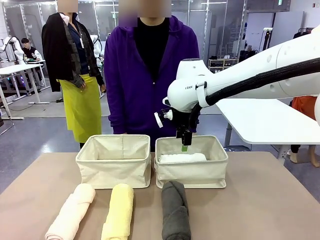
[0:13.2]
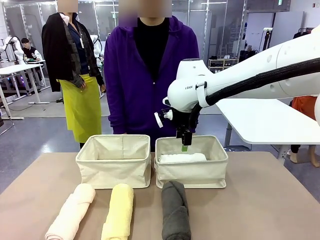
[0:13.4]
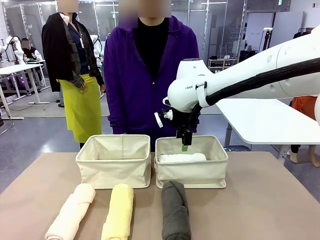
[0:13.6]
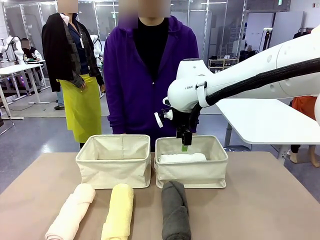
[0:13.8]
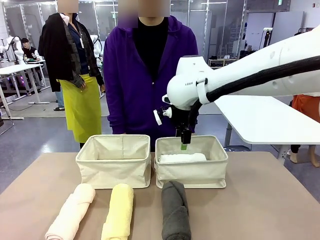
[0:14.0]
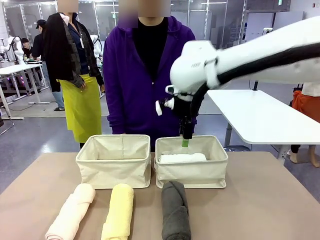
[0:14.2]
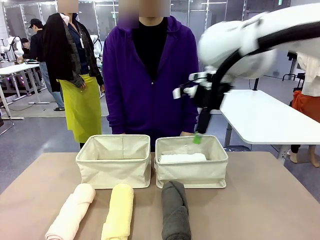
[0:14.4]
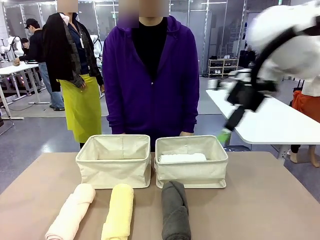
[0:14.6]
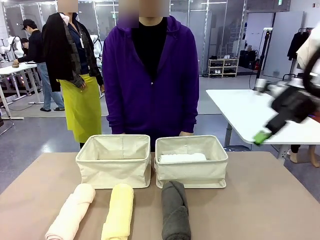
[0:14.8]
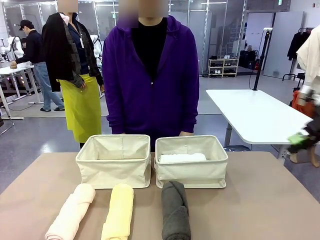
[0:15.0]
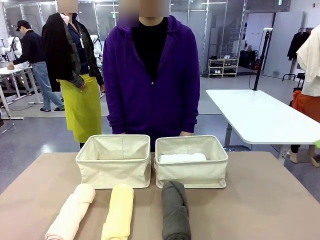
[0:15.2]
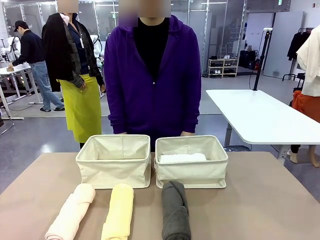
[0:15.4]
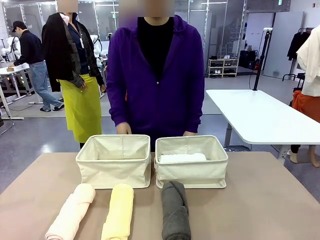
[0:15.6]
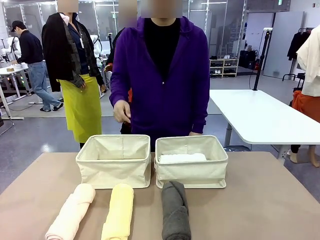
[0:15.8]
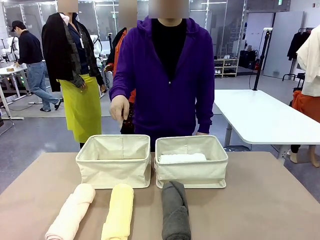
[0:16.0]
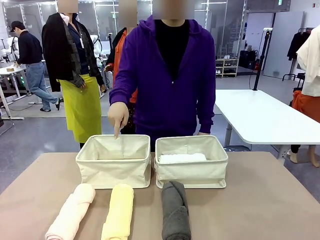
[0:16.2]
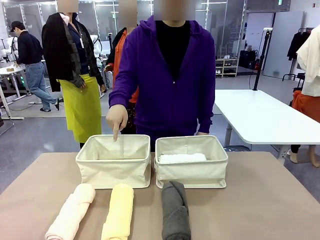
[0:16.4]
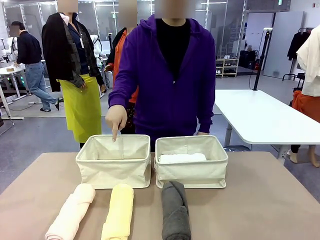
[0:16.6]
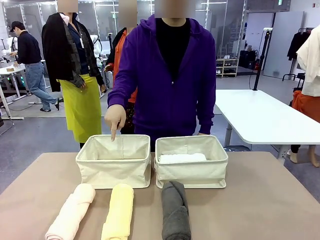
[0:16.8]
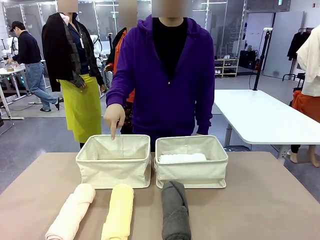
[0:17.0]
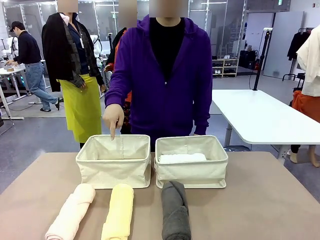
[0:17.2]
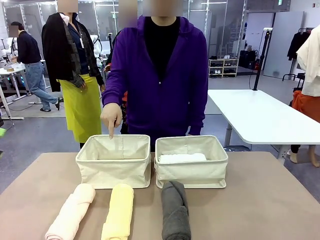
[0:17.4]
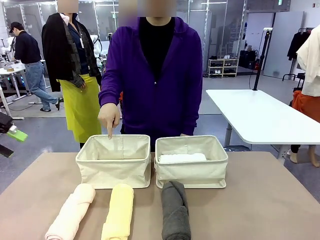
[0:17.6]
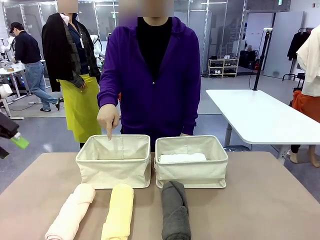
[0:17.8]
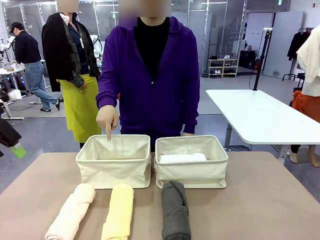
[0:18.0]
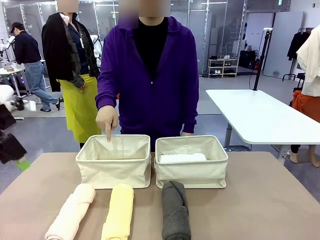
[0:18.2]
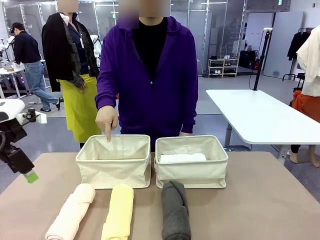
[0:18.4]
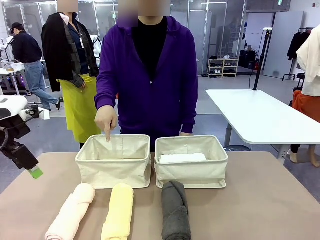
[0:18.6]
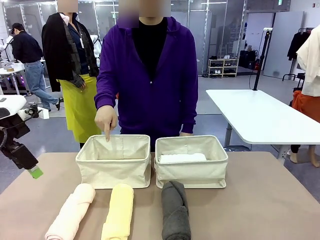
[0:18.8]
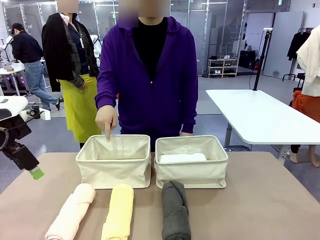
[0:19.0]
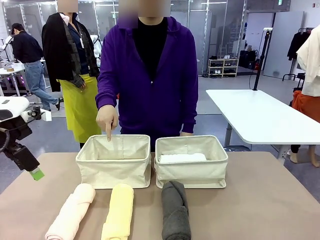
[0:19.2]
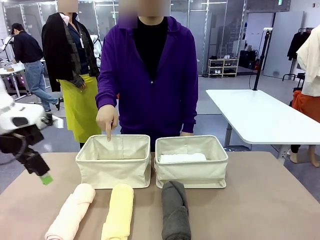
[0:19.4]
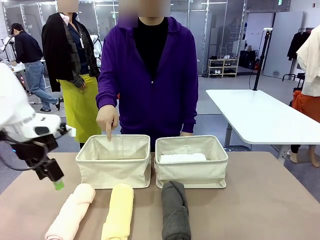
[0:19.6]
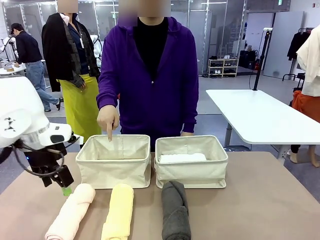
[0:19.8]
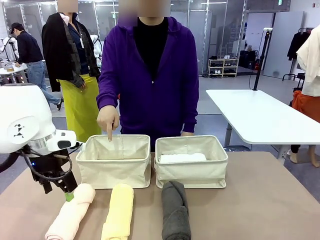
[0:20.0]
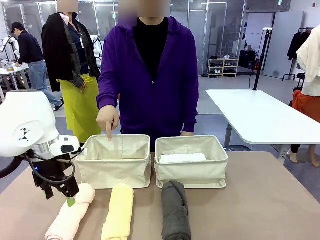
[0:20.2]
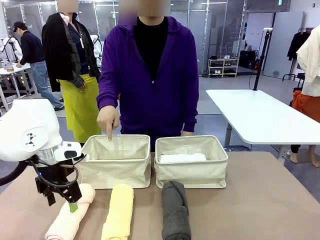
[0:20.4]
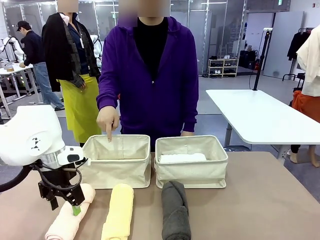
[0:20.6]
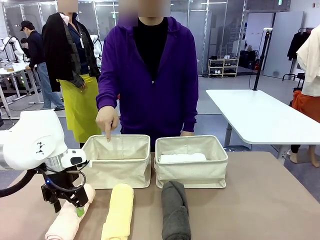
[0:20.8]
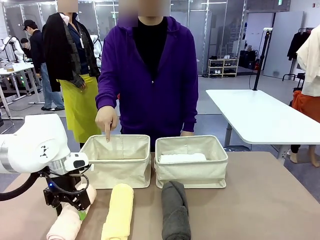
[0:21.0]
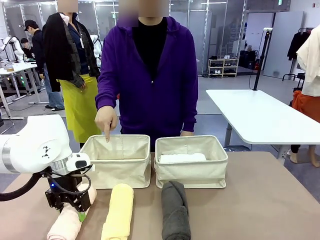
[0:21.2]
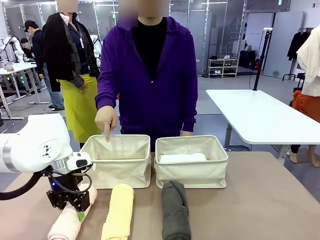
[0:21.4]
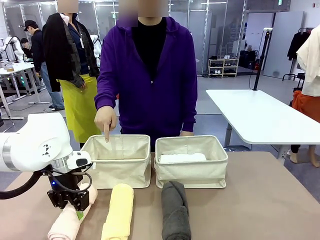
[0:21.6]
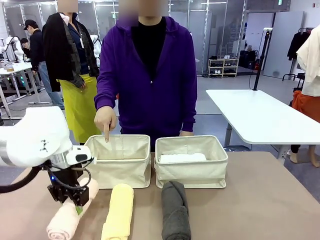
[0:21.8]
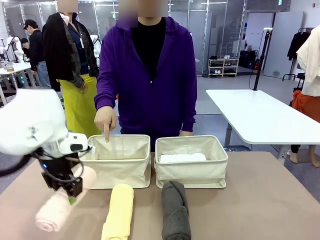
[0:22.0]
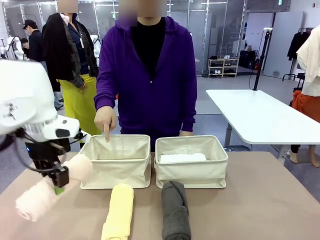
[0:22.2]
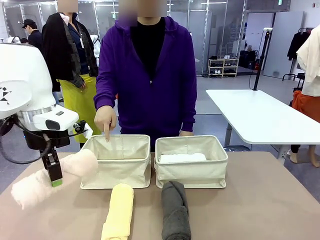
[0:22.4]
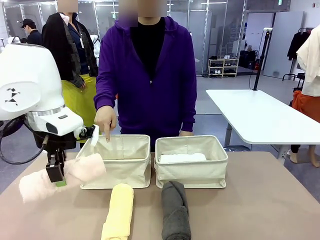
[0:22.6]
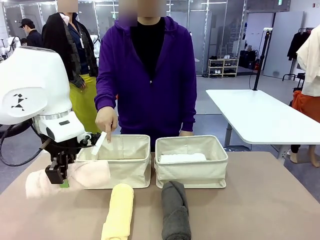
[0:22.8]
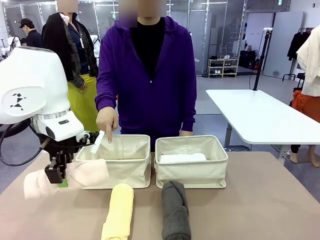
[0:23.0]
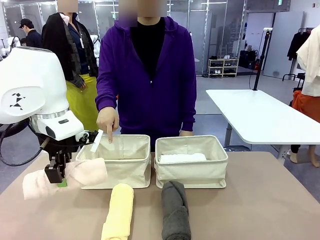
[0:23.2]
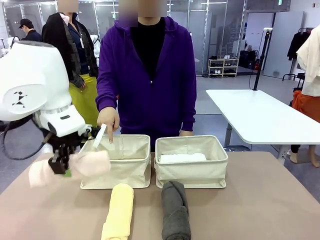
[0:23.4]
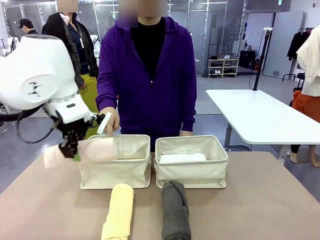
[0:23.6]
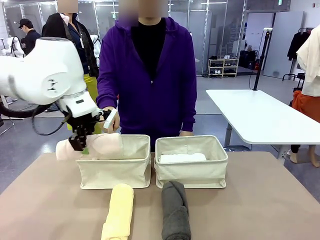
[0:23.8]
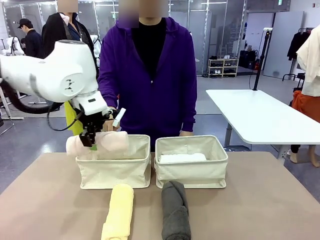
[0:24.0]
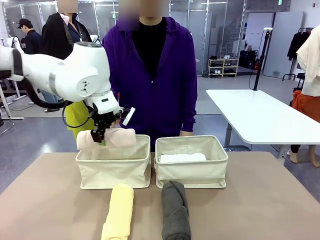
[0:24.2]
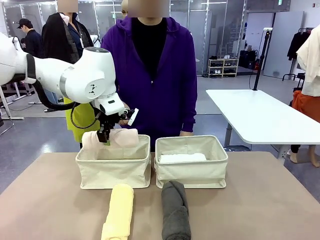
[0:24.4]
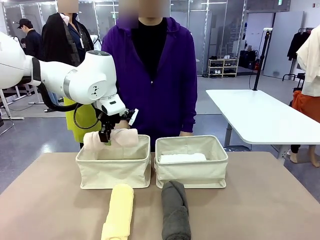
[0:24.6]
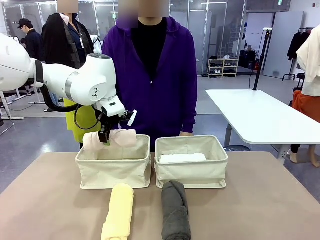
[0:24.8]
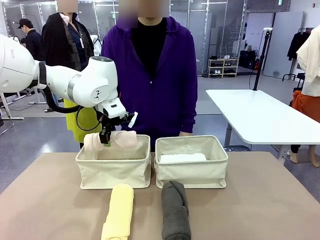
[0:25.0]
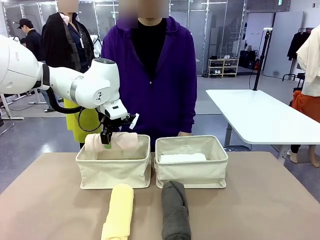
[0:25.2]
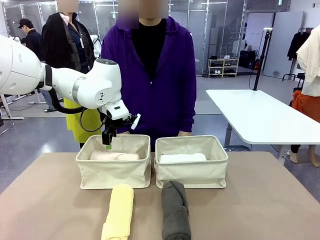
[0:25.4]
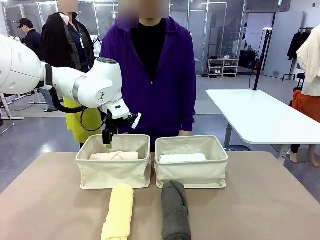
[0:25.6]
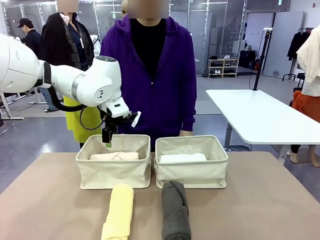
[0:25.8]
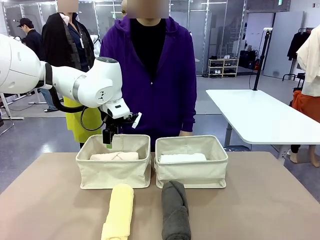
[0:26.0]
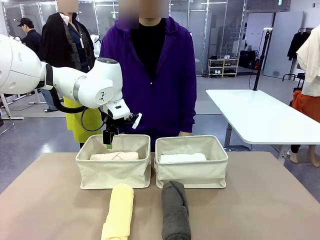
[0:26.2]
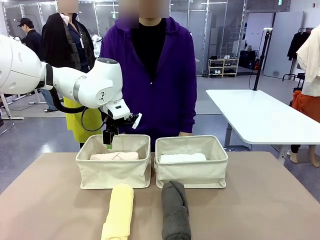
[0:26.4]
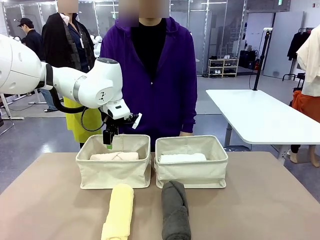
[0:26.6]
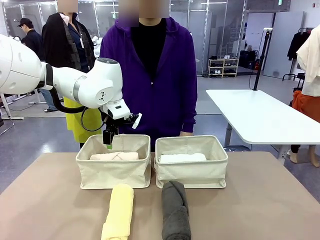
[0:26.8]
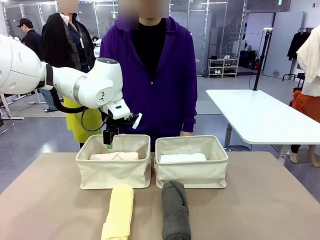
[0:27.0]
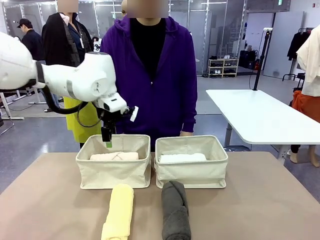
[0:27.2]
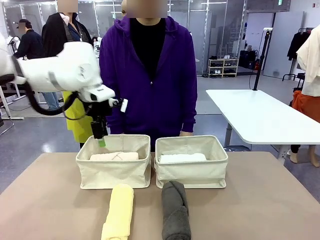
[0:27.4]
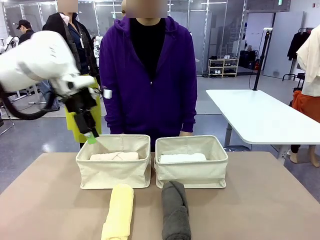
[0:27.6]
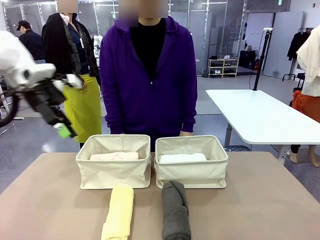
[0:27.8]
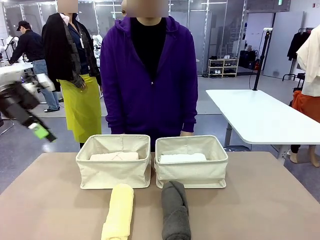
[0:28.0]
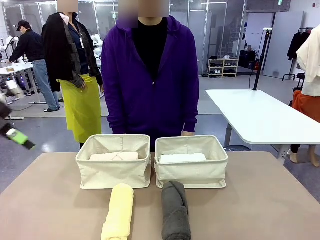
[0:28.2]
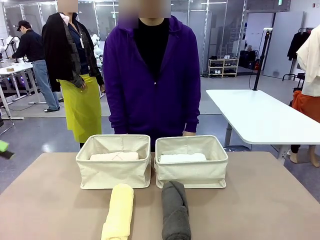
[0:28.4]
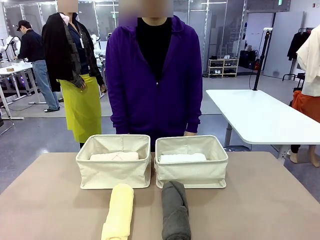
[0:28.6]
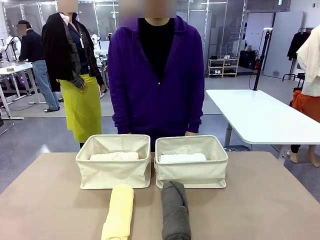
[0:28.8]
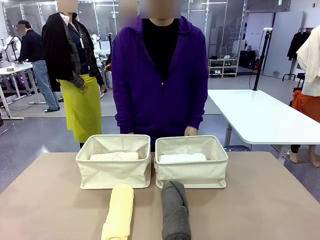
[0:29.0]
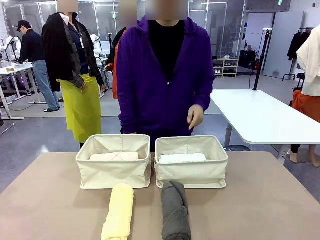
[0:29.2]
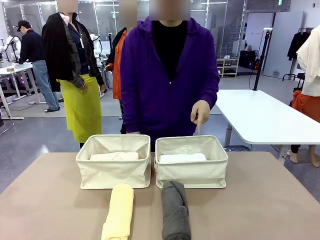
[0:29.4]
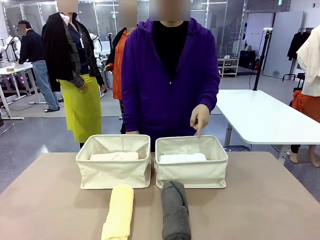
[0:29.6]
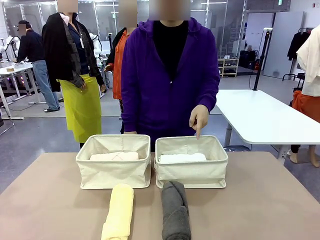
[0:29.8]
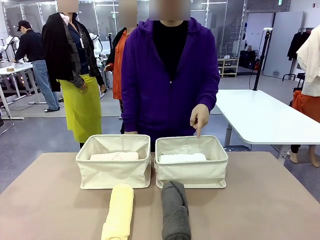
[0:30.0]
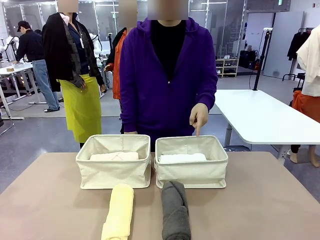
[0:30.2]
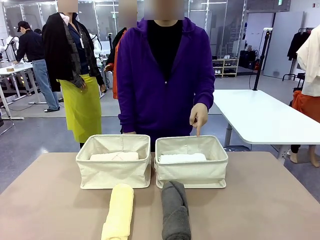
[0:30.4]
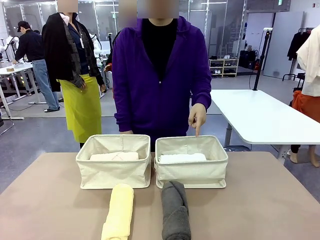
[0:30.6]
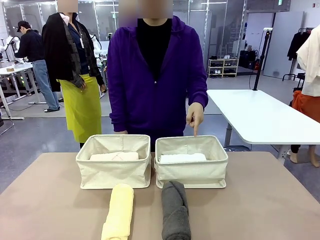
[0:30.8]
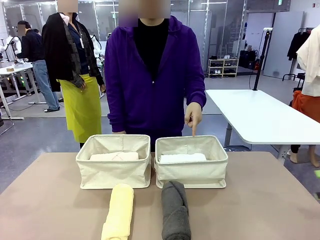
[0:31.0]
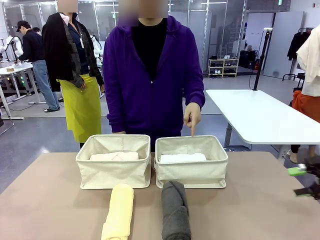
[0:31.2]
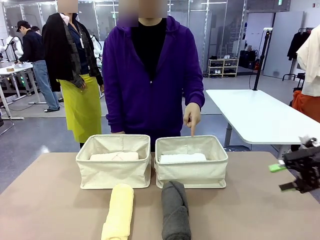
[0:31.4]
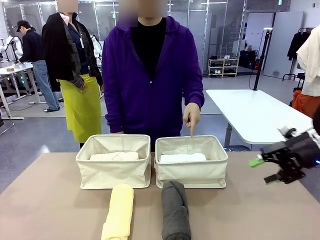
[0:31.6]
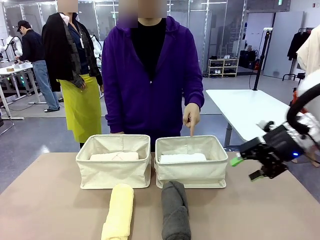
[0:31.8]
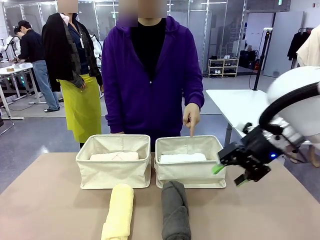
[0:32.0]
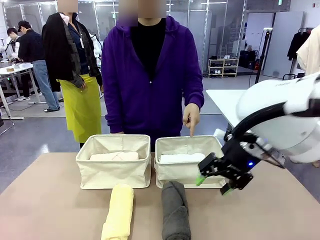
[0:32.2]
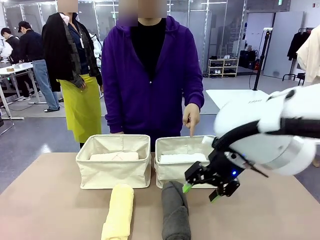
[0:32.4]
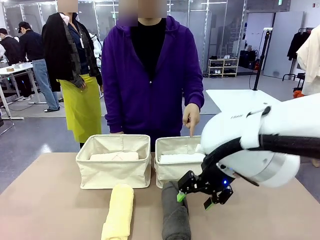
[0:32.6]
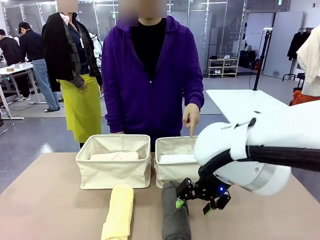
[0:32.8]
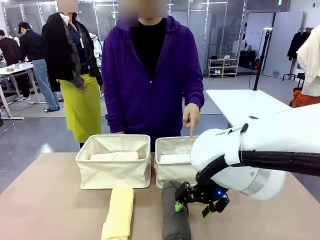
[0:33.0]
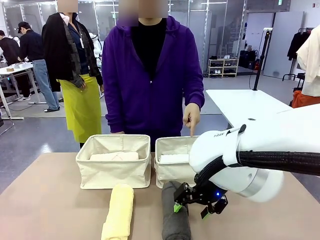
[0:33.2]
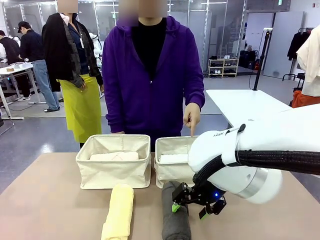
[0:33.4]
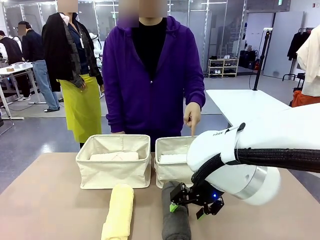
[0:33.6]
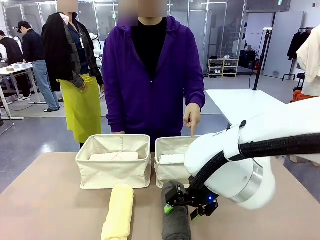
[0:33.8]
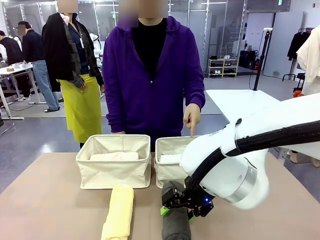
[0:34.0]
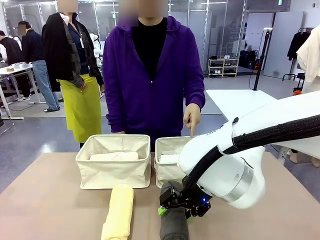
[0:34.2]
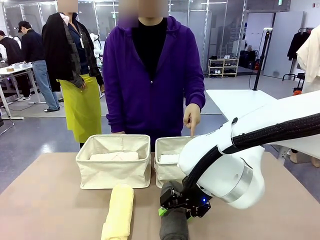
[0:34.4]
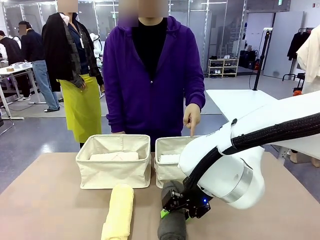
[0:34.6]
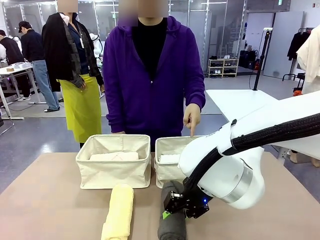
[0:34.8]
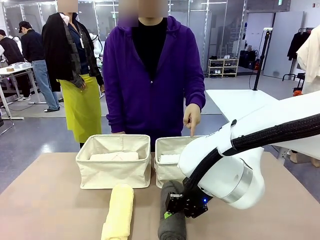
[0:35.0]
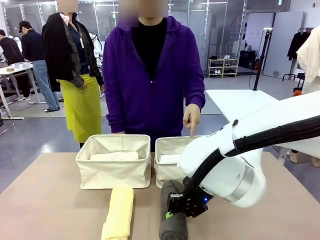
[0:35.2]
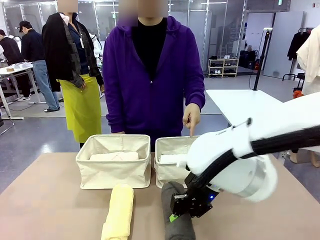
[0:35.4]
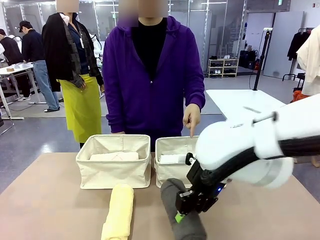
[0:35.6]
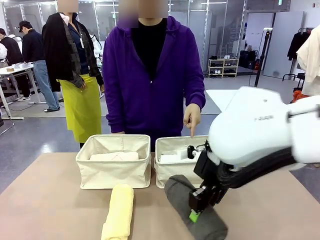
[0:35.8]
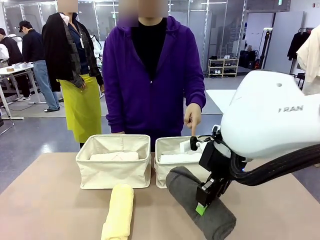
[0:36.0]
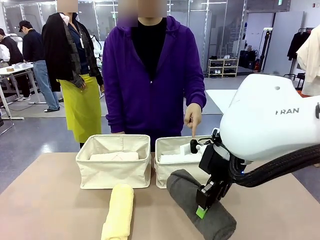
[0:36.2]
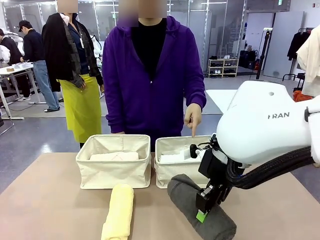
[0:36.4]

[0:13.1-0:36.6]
Task: Divide the towels into two baskets.
Robot: Pick up one hotel-folded towel from the bottom of the table and place it in the Fabric basket indicated by the person.
